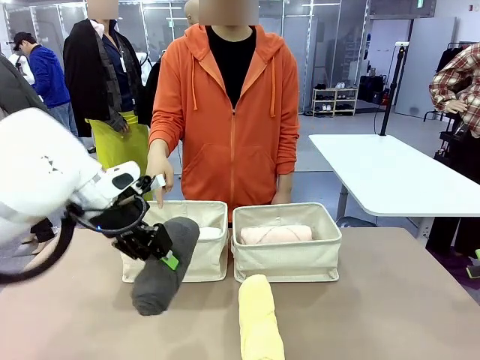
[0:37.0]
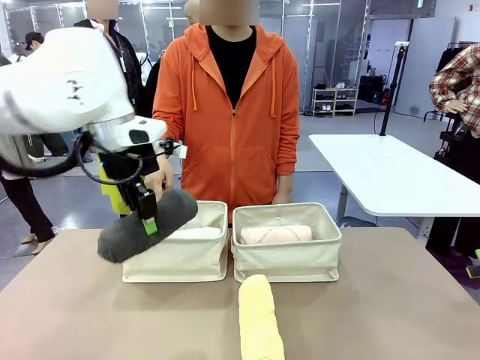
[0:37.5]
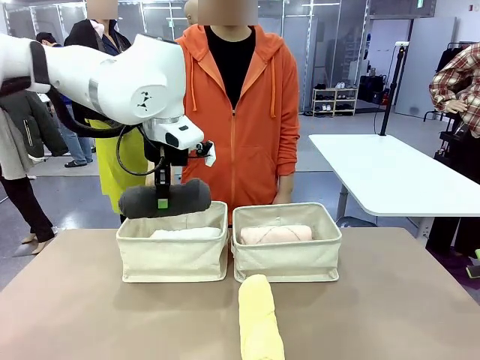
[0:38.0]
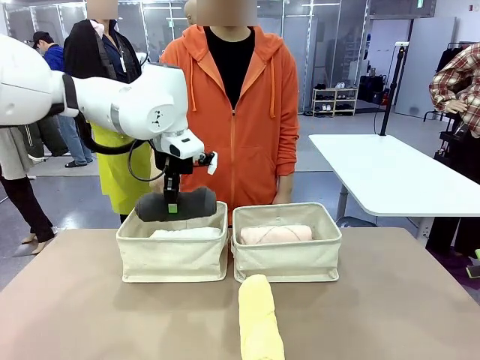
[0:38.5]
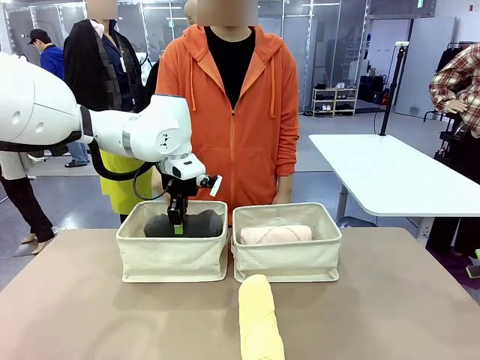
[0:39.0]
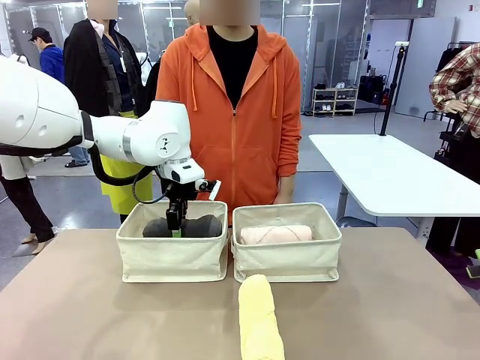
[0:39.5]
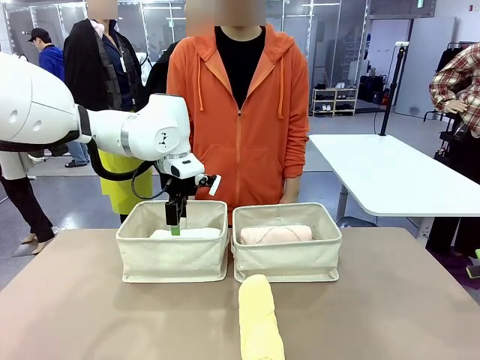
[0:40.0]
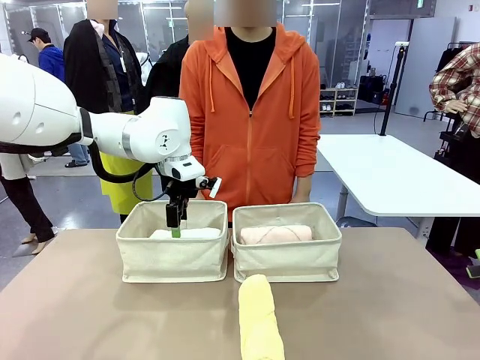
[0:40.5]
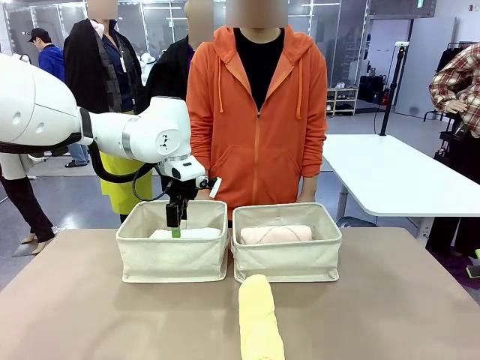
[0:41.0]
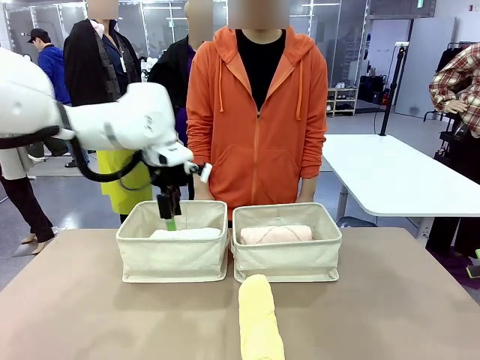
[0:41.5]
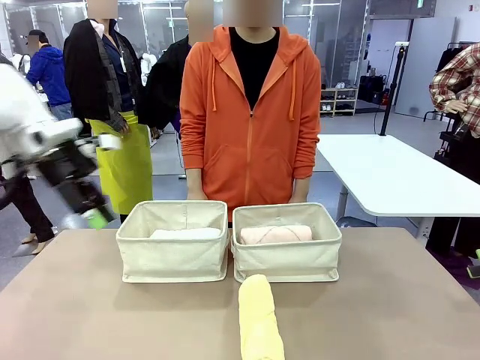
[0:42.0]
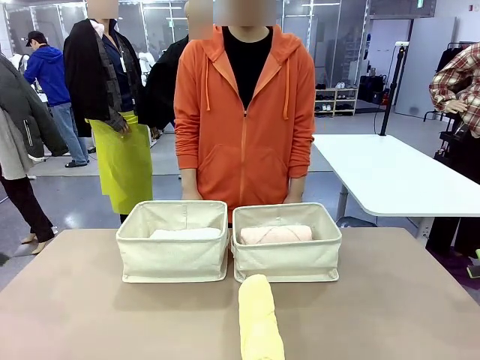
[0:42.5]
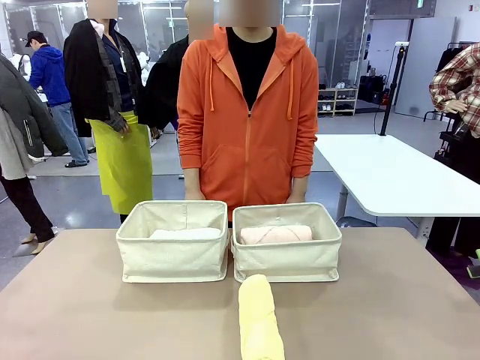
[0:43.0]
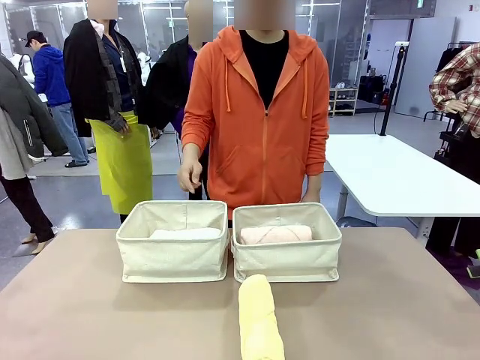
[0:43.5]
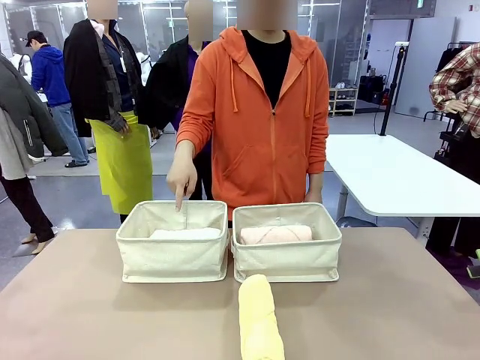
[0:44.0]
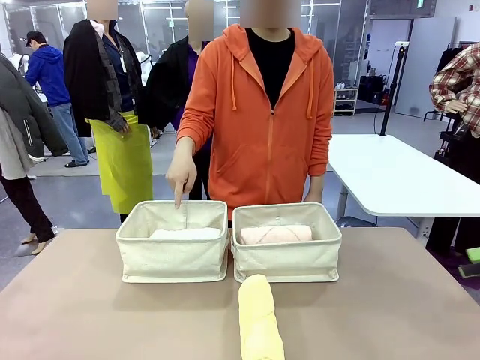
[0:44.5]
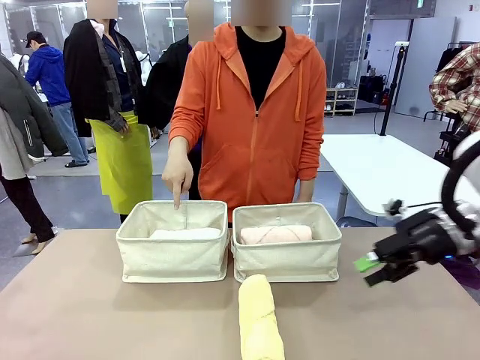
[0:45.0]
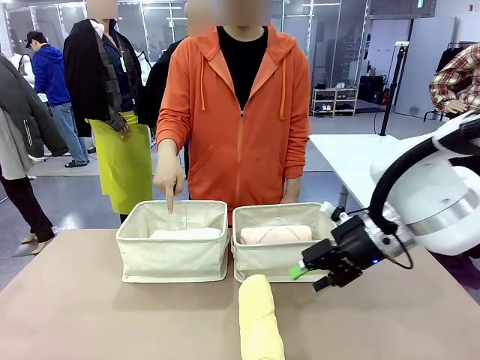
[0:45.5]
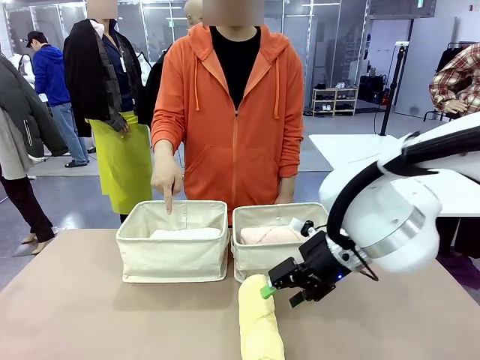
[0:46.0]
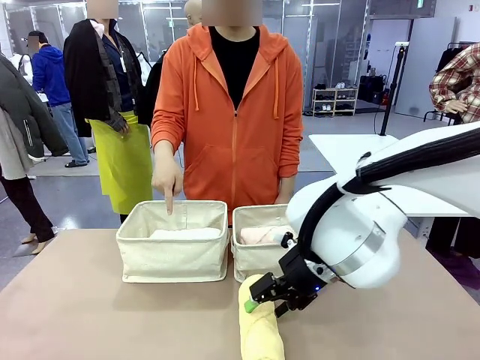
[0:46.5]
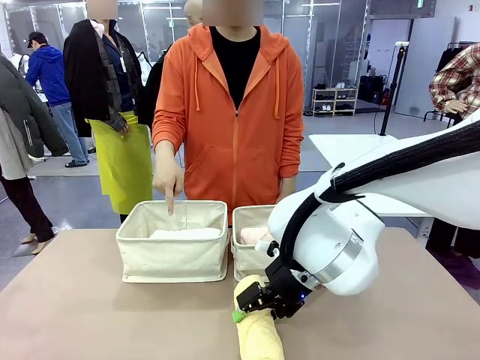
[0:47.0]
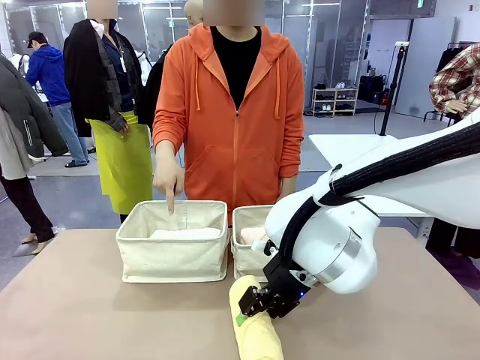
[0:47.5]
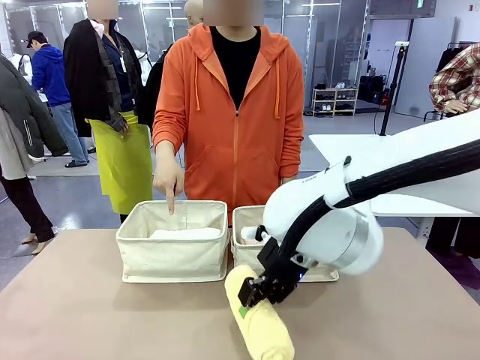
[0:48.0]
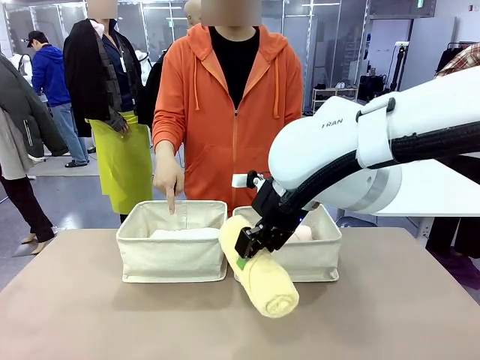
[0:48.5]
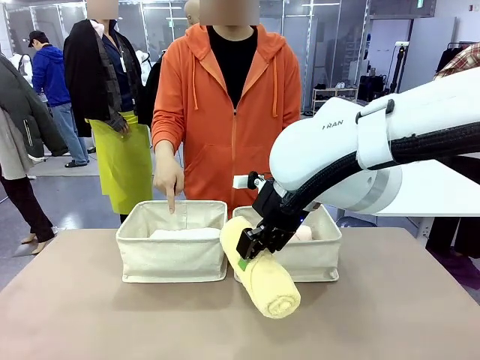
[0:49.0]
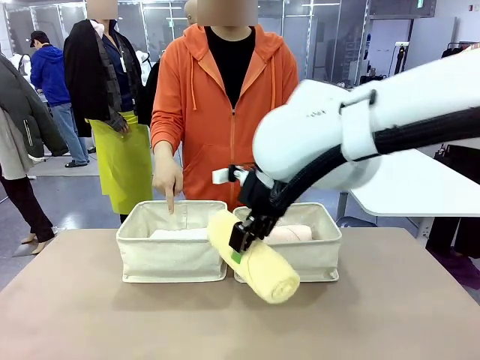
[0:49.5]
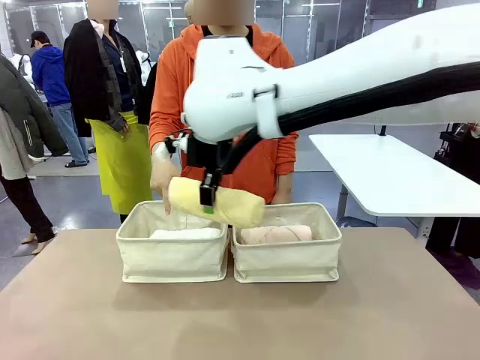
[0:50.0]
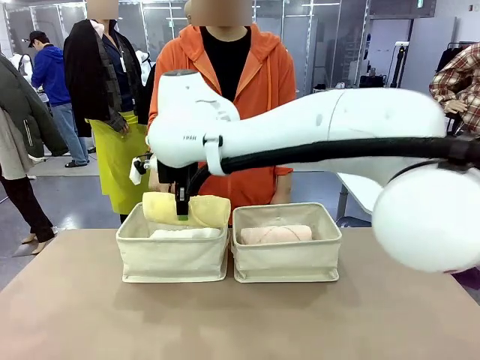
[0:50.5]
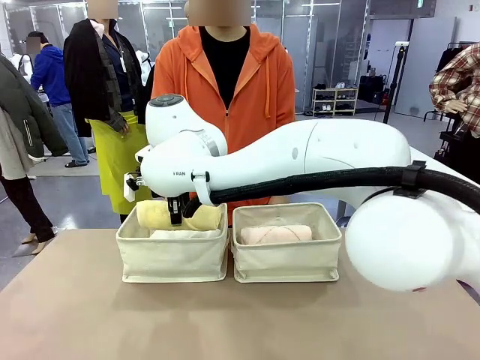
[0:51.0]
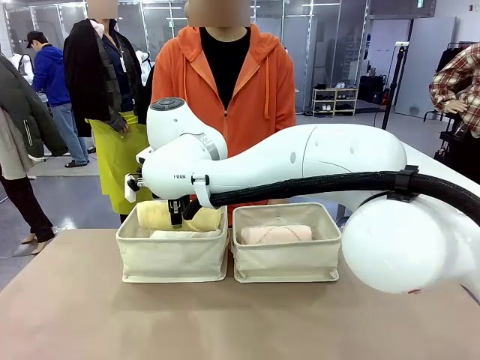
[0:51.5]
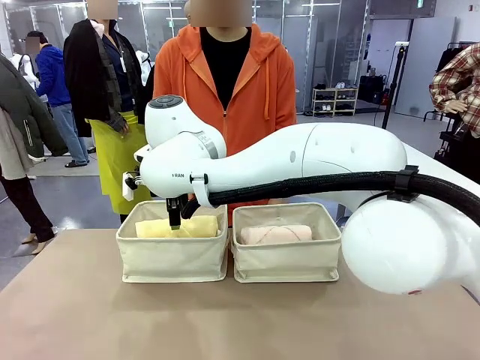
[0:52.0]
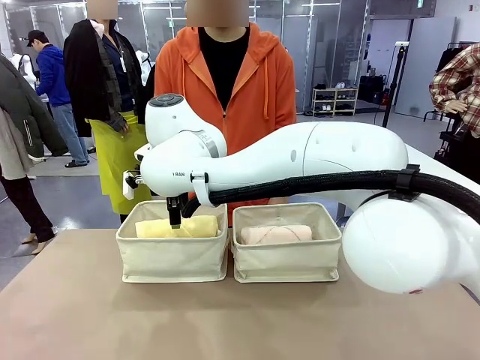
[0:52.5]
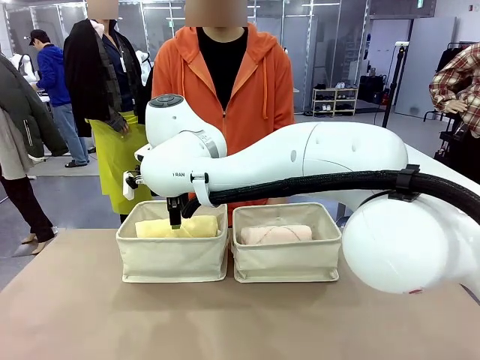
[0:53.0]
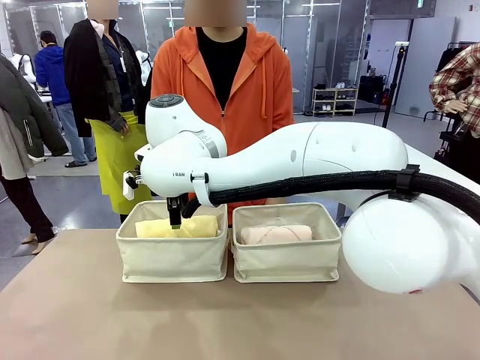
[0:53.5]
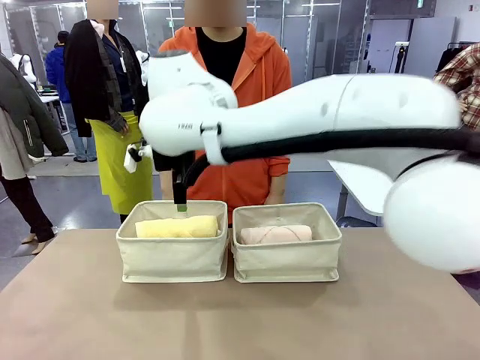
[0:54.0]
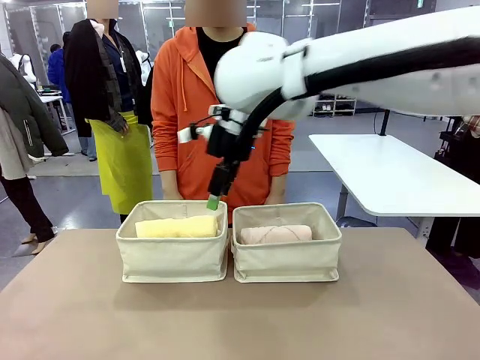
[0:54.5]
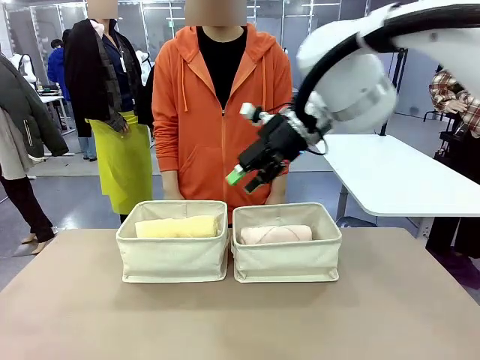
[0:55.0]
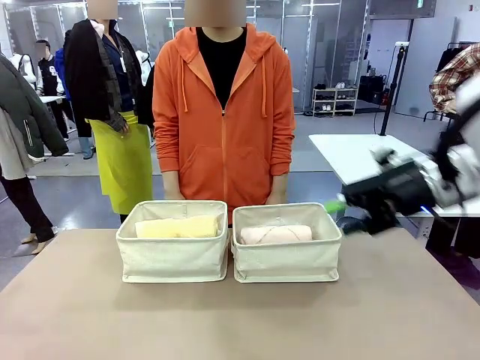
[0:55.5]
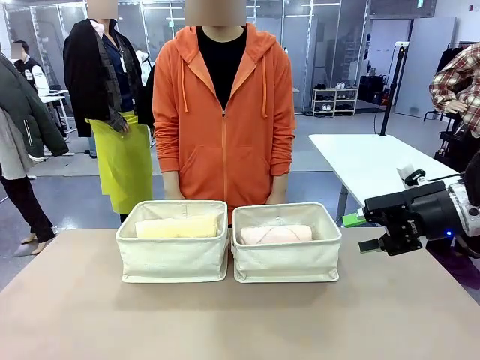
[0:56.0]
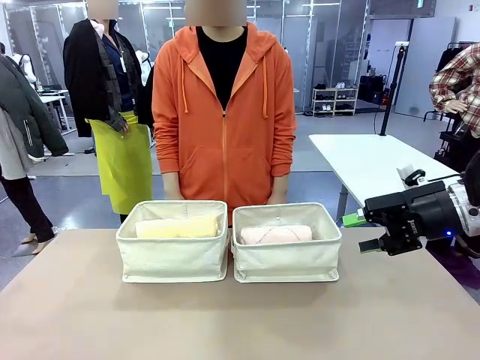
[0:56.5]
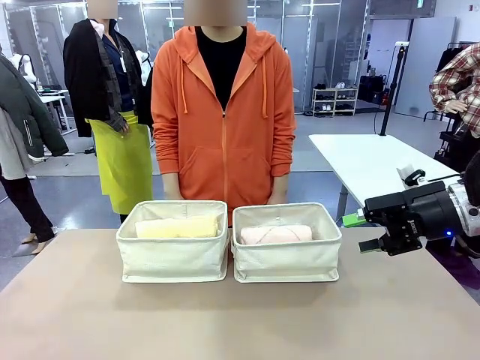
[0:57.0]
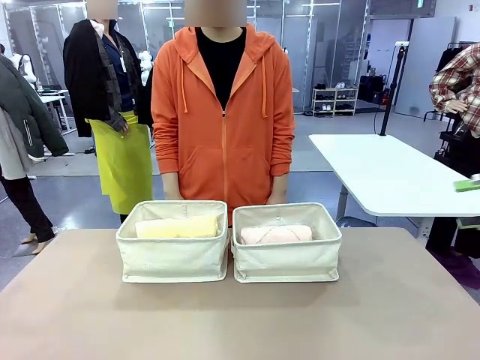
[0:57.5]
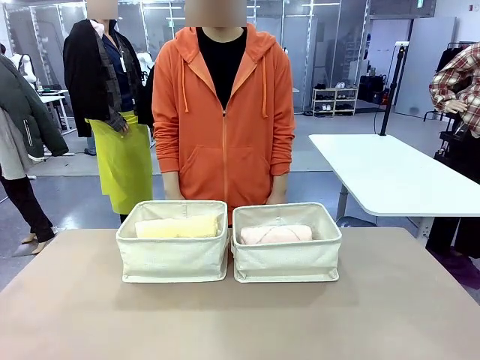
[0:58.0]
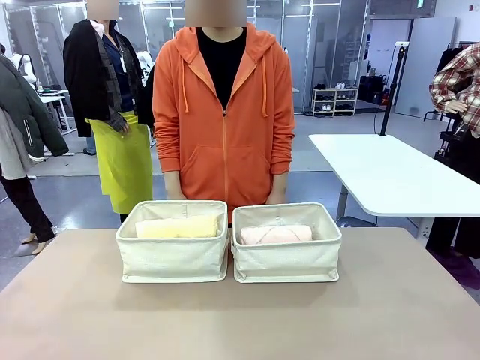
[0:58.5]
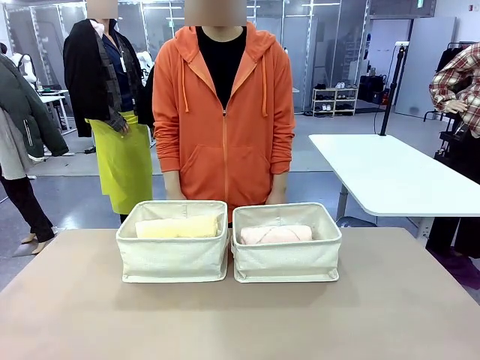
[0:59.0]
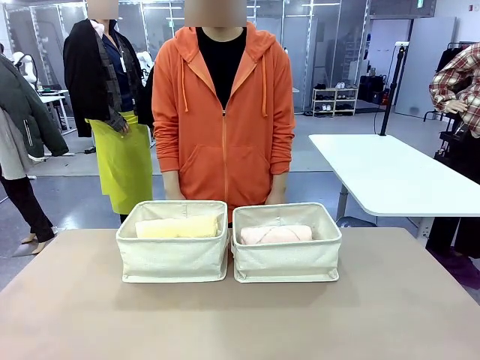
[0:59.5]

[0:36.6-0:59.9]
Task: Divide the towels into two baskets.
Robot: Pick up one hotel-folded towel from the bottom of the table and place it in the Fabric basket indicated by the person.

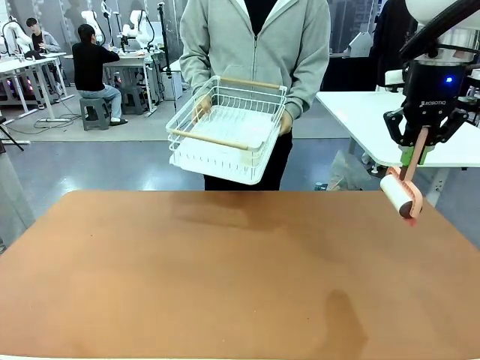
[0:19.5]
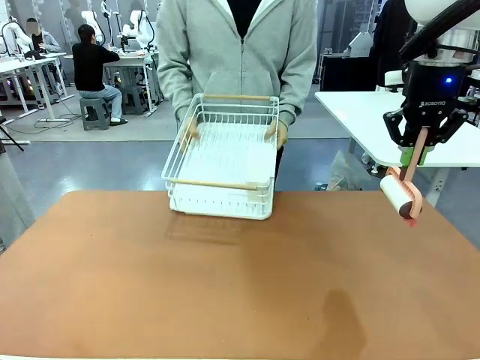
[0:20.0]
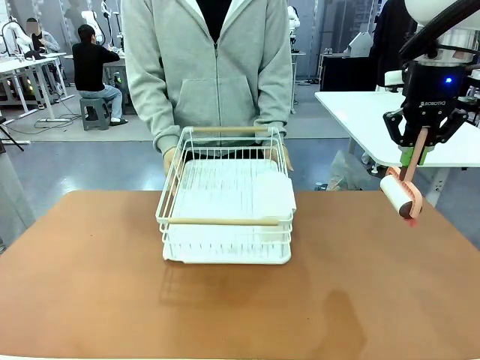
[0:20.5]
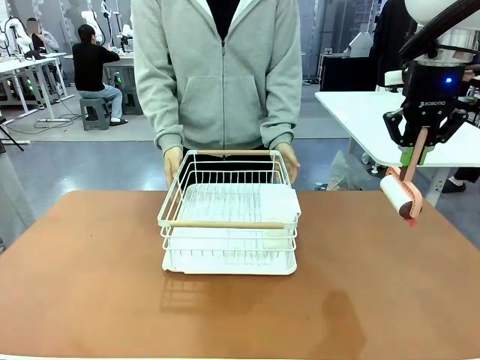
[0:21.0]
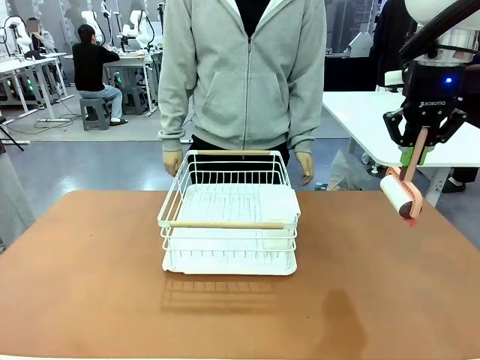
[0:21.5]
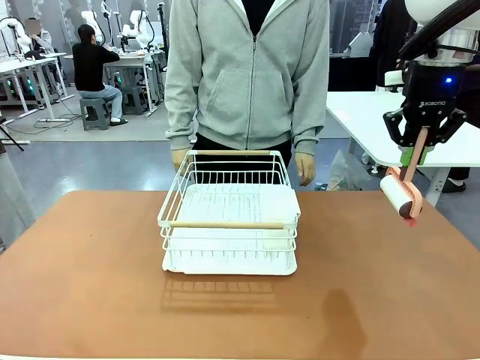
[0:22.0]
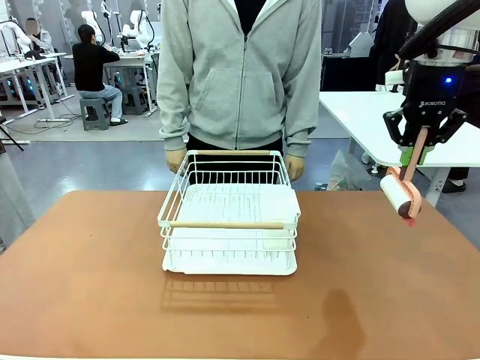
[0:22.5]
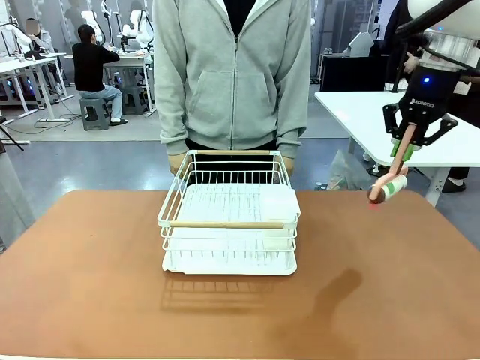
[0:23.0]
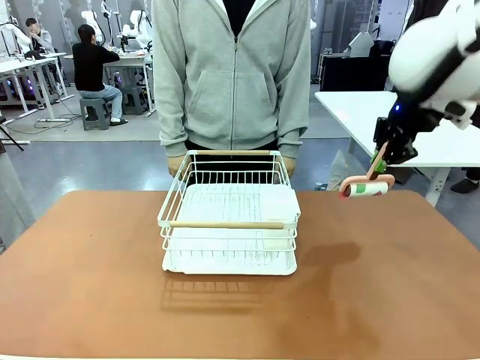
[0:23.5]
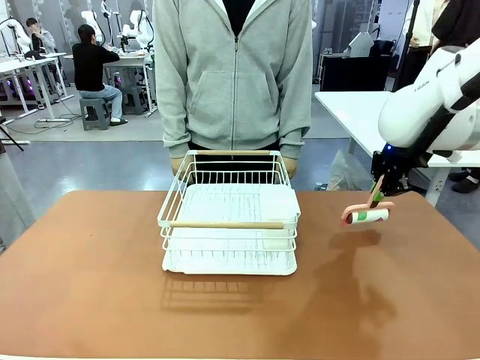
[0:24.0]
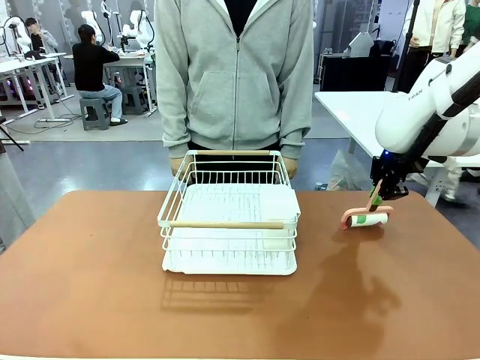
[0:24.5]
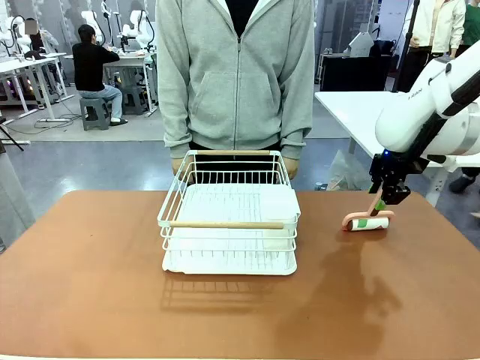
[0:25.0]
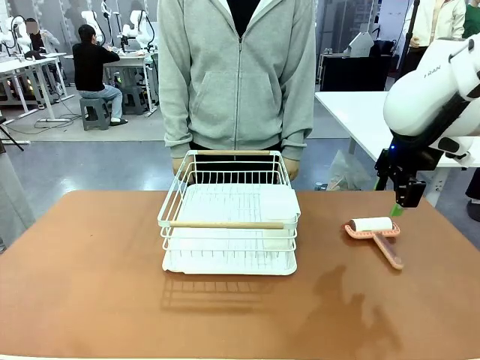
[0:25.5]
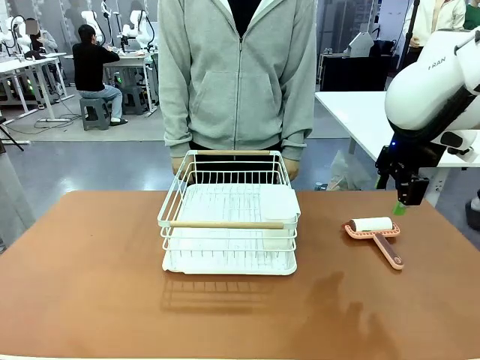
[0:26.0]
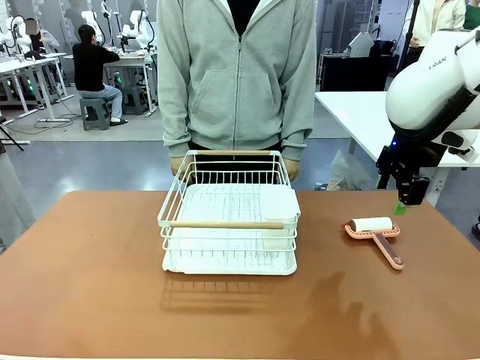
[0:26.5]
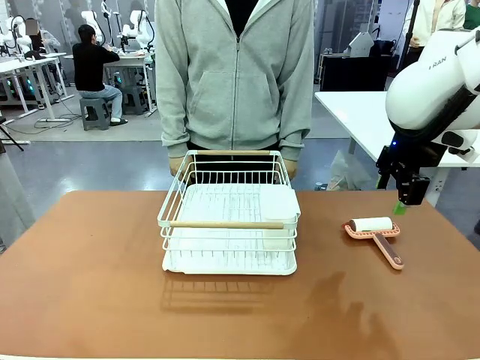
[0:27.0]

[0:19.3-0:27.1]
Task: Clean the table.
Robot: Place the Lint Roller down when the Dish drying rack is positioned in the middle of the table.
Person: Place the Dish drying rack down when the robot finishes cleaning.
